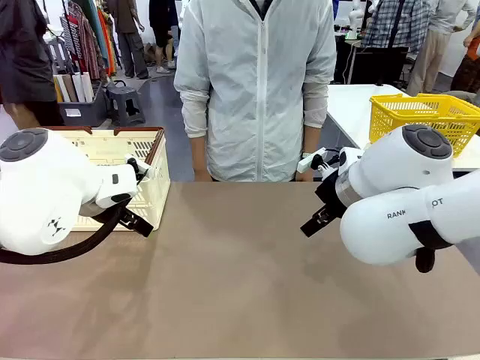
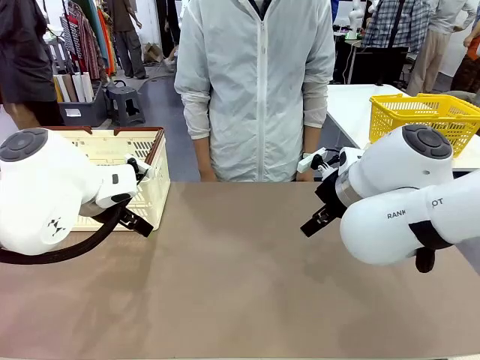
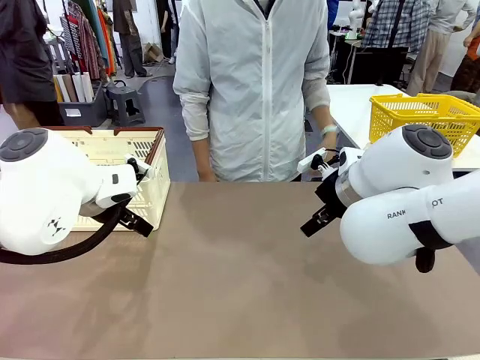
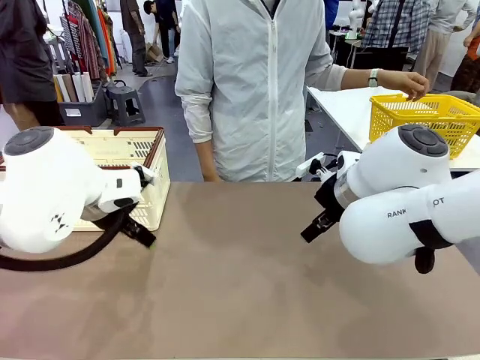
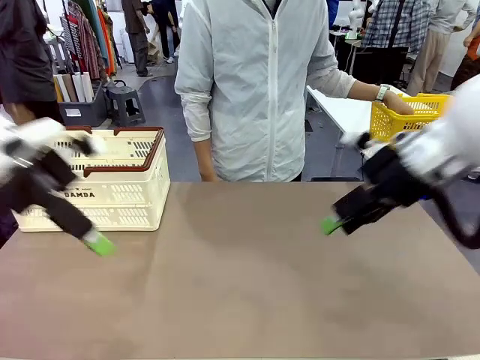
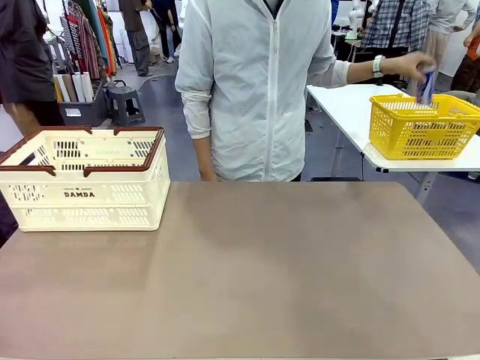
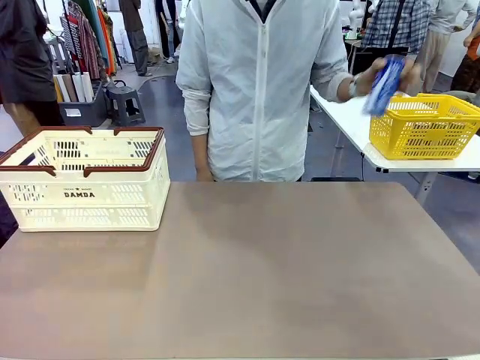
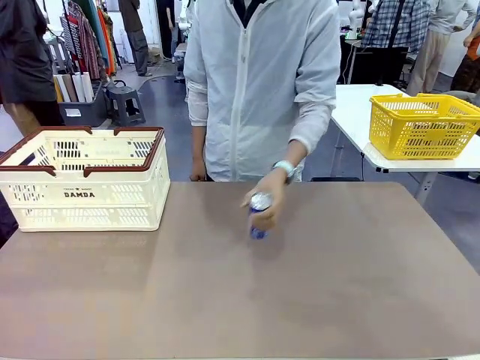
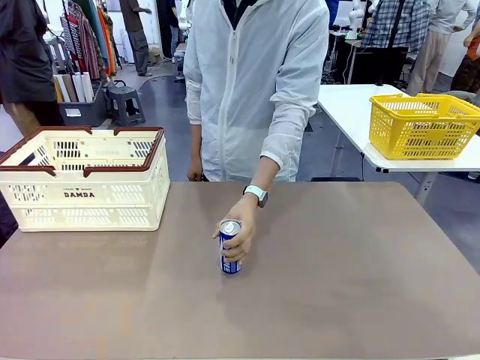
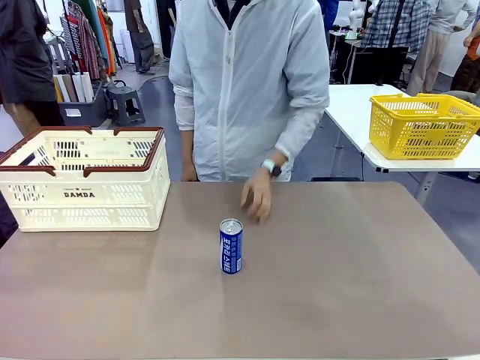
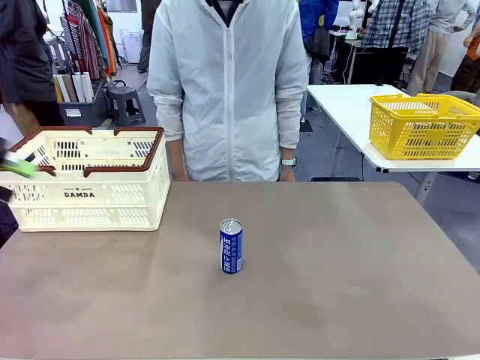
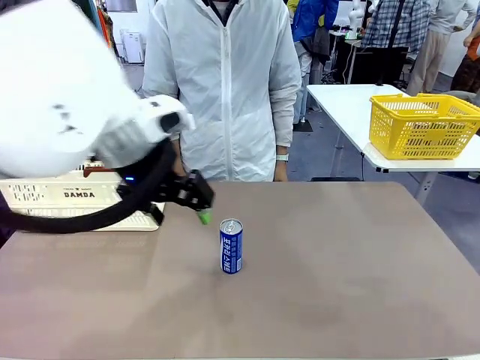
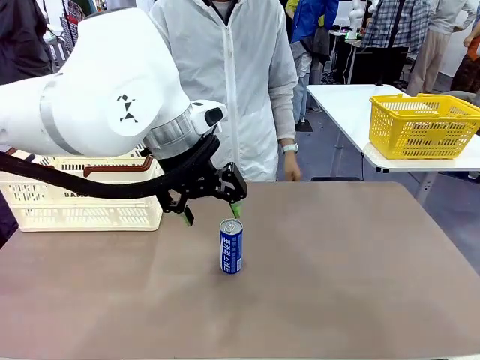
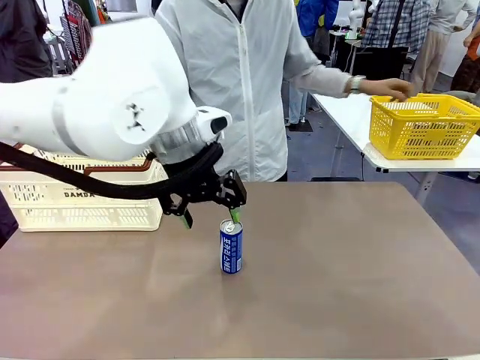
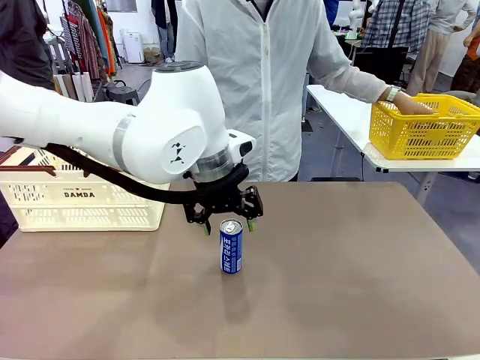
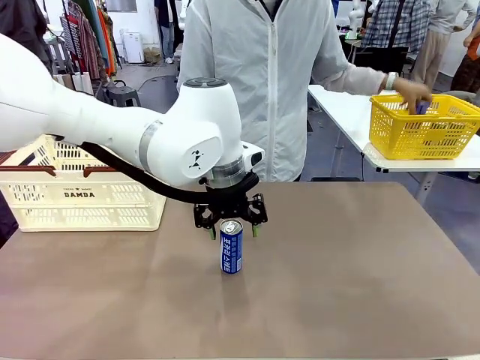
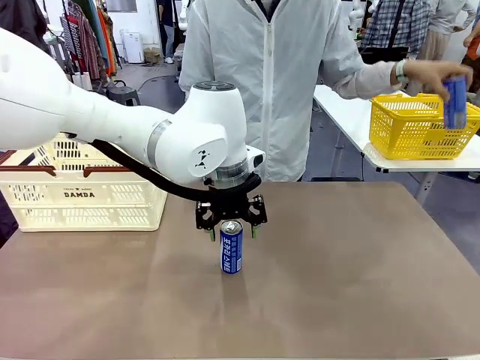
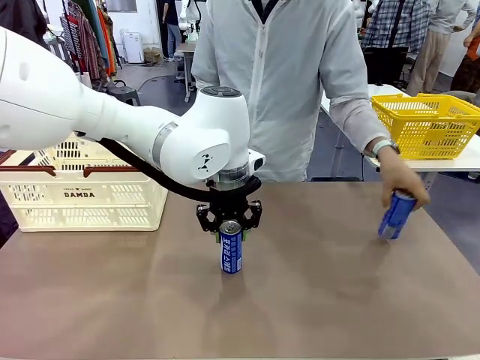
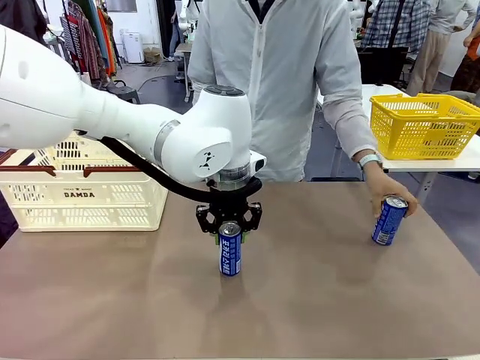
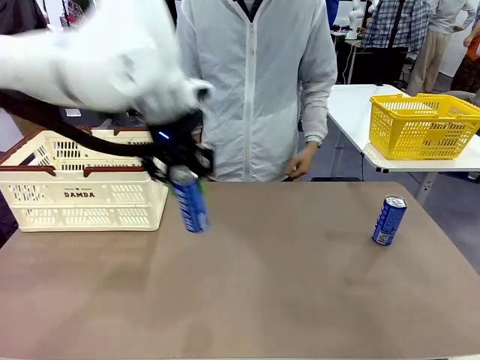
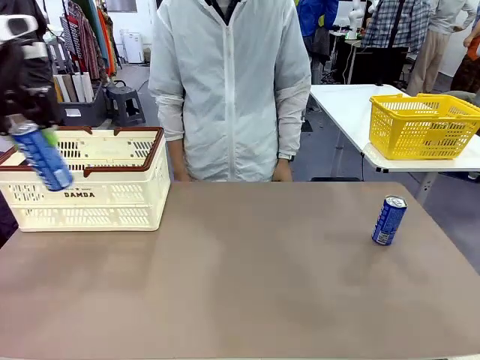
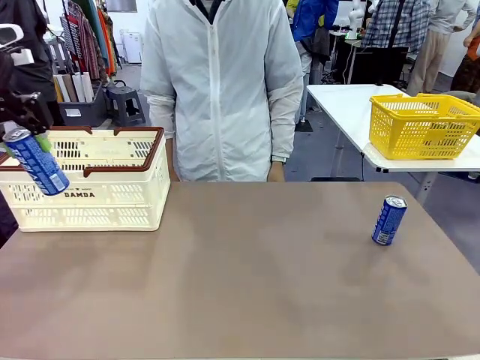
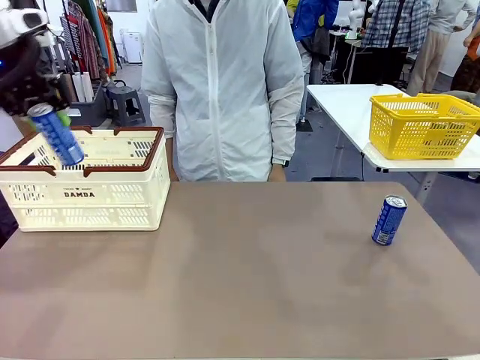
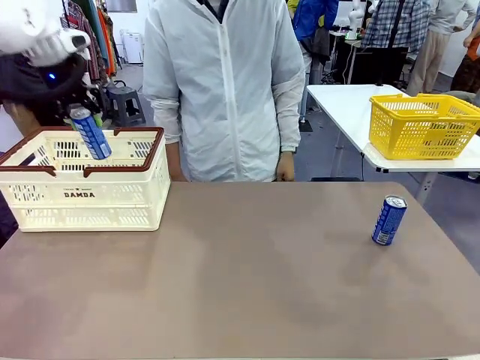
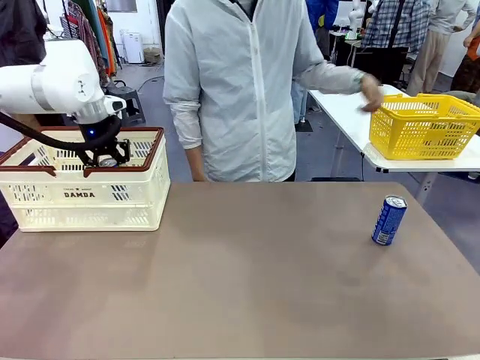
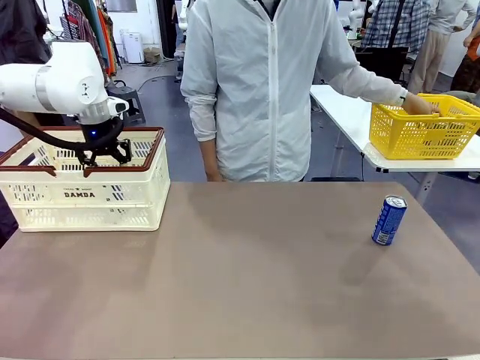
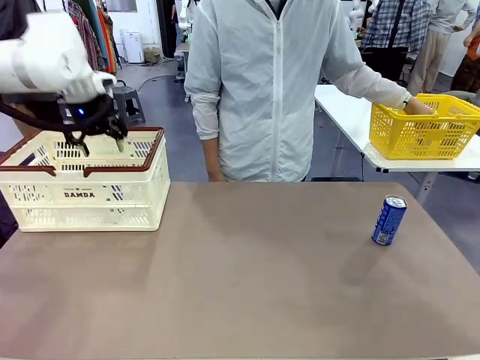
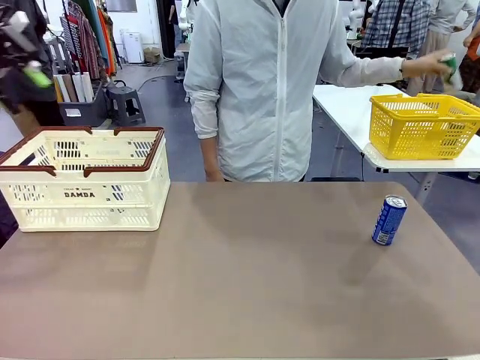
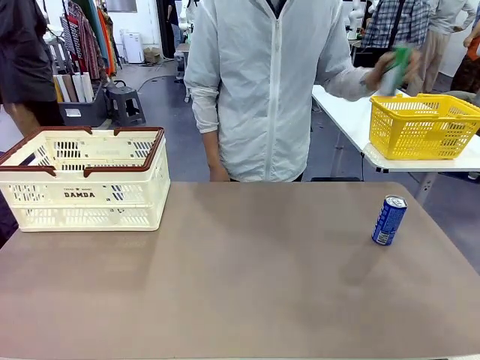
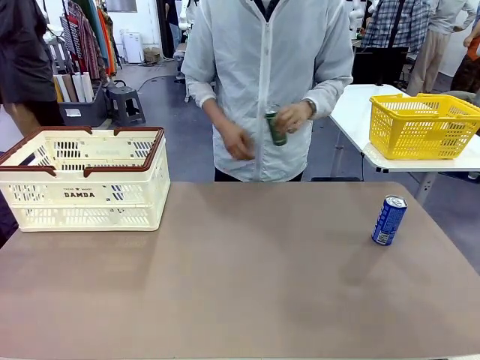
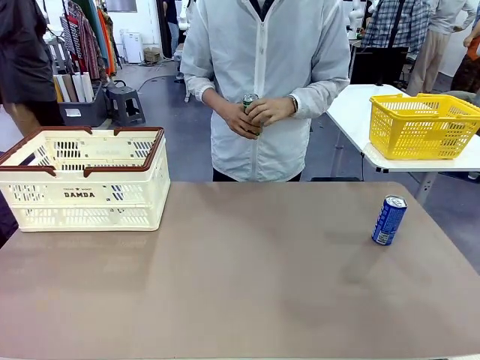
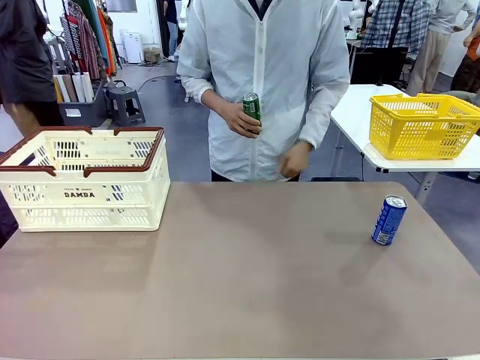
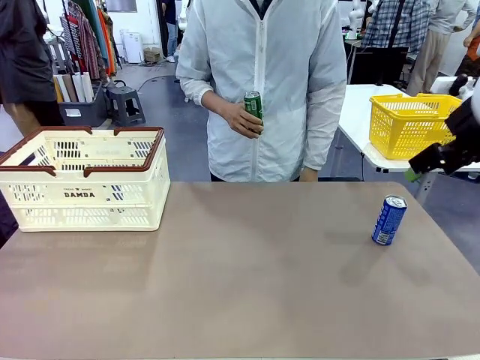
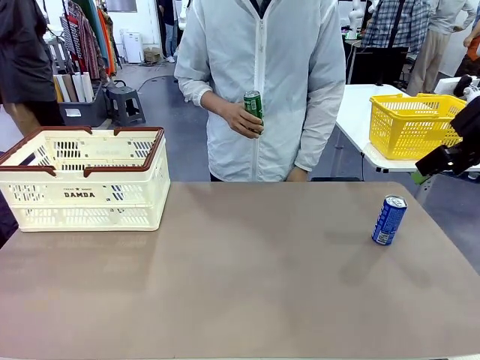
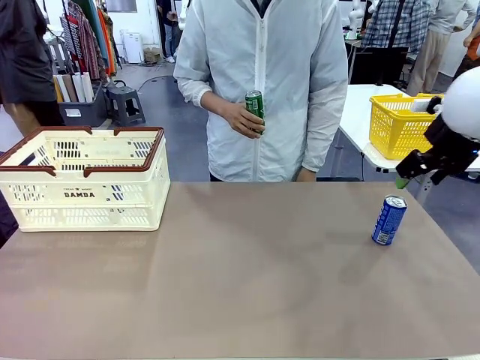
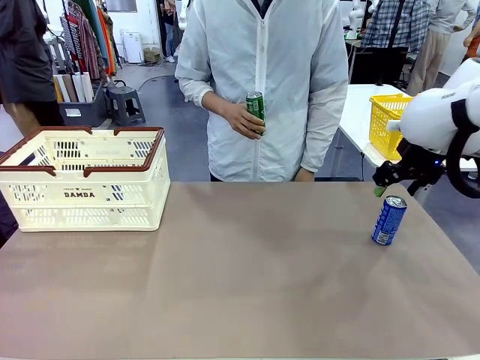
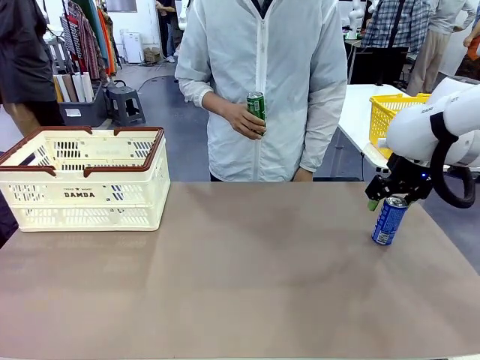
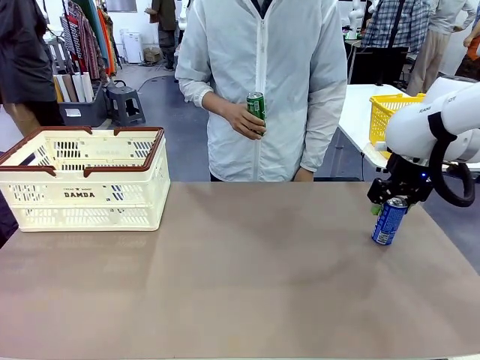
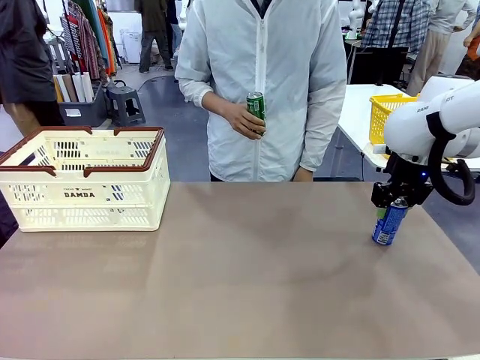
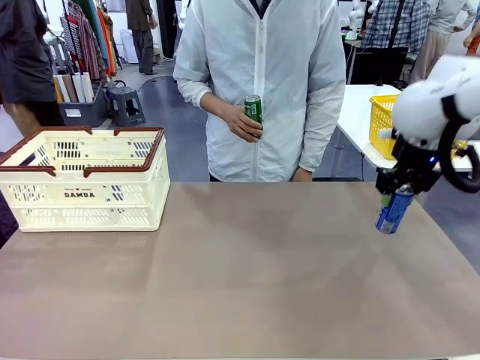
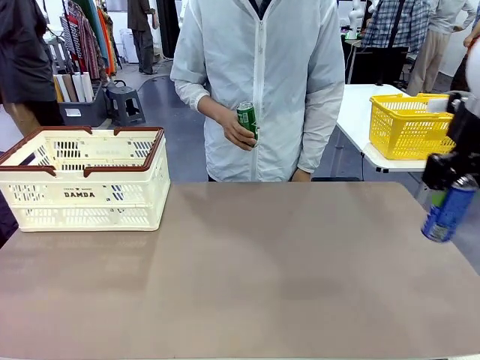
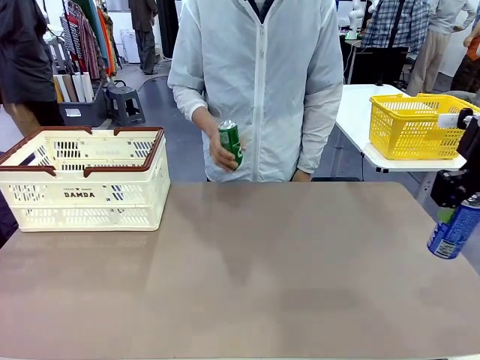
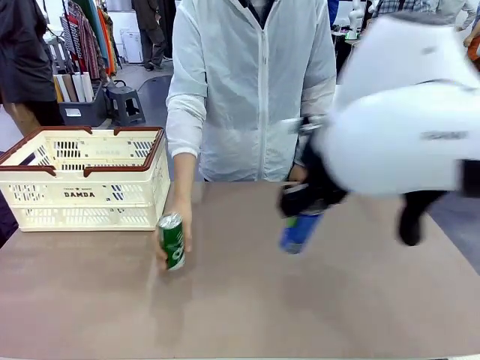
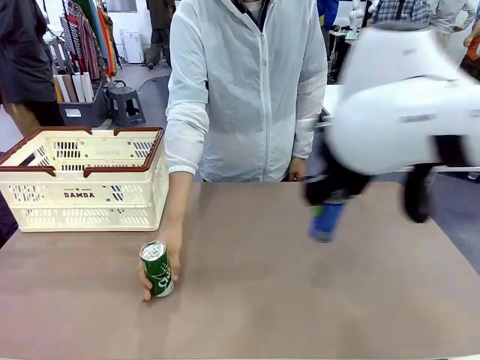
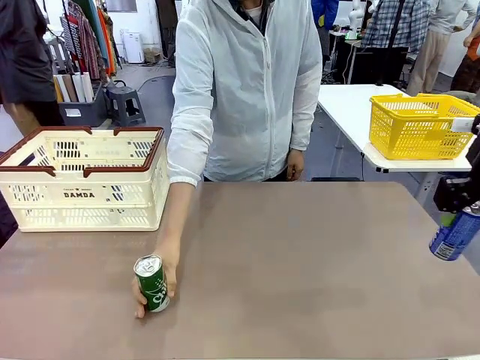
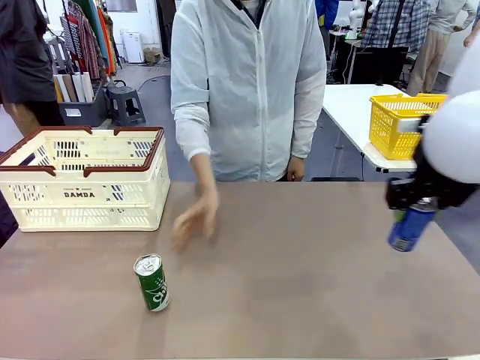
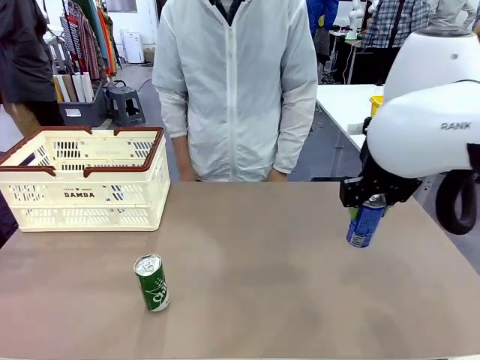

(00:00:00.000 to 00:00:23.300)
Task: Place the drinks into the Shopping basket.
Robot: Pick up one drink and place it into the Shopping basket.
